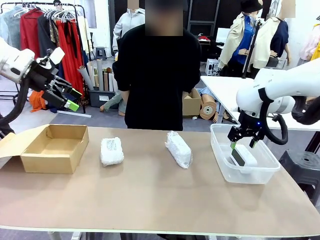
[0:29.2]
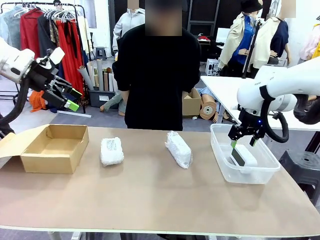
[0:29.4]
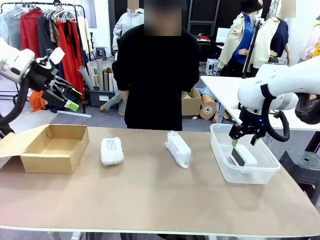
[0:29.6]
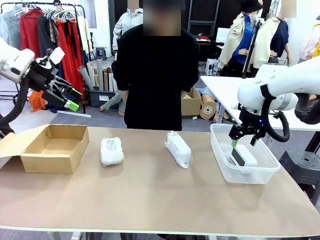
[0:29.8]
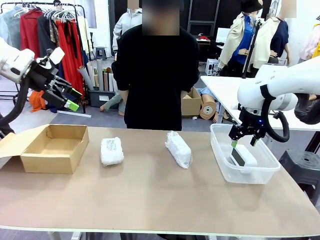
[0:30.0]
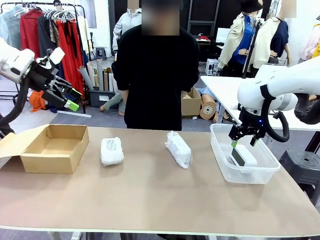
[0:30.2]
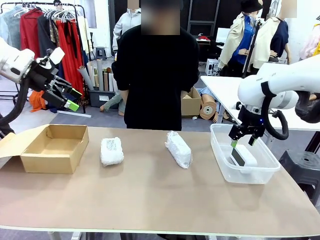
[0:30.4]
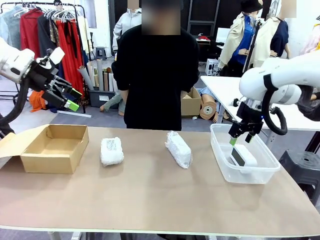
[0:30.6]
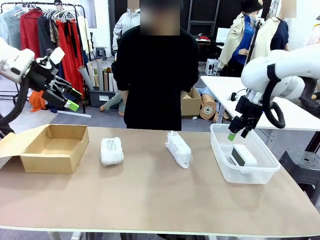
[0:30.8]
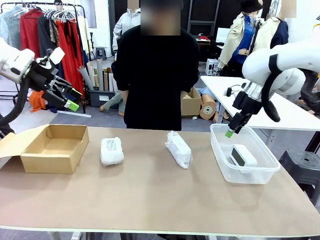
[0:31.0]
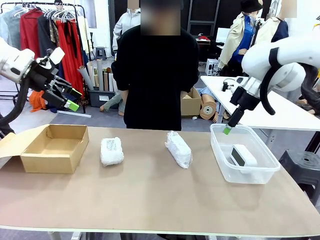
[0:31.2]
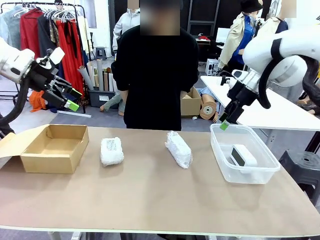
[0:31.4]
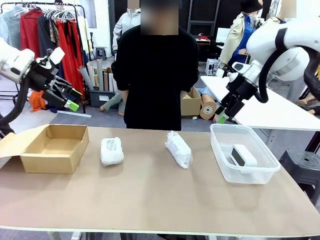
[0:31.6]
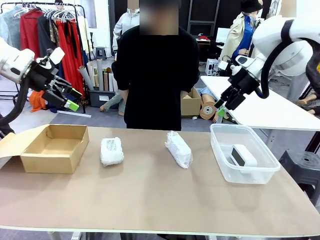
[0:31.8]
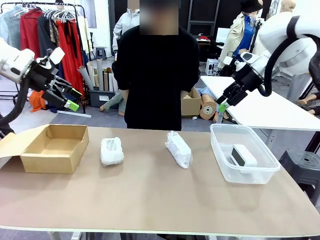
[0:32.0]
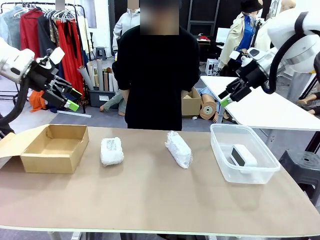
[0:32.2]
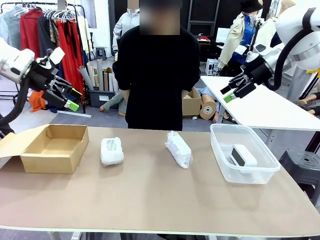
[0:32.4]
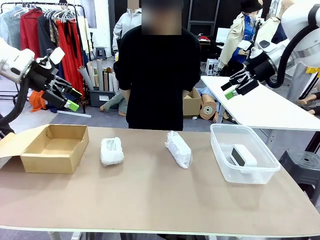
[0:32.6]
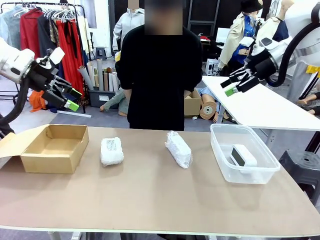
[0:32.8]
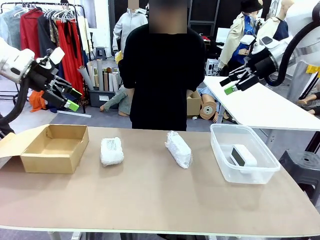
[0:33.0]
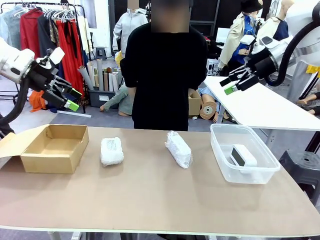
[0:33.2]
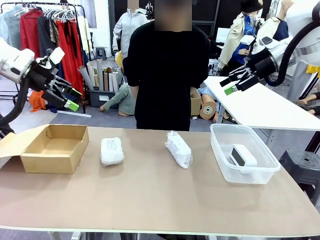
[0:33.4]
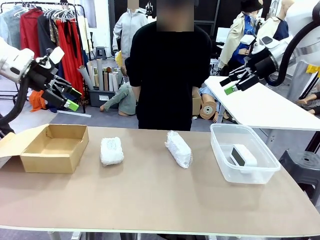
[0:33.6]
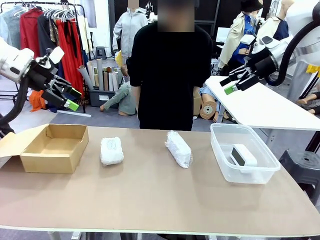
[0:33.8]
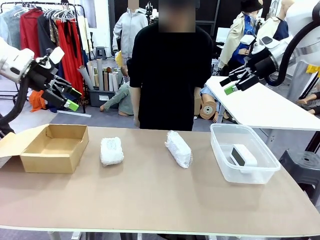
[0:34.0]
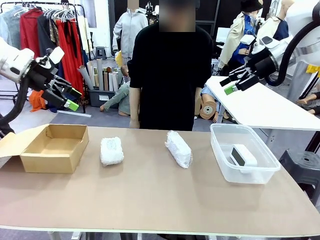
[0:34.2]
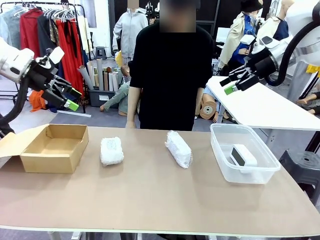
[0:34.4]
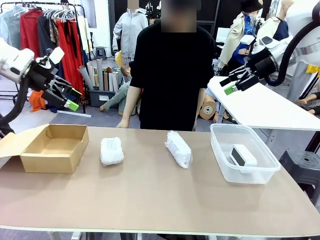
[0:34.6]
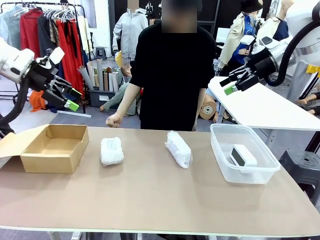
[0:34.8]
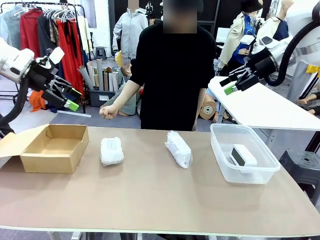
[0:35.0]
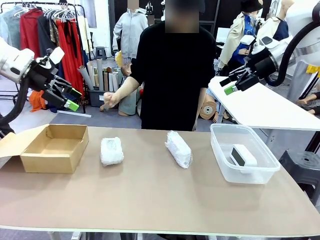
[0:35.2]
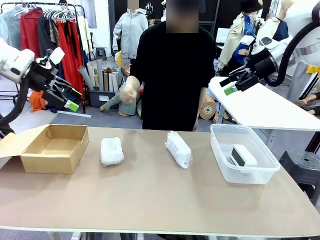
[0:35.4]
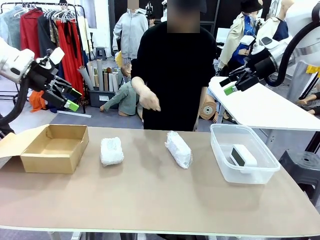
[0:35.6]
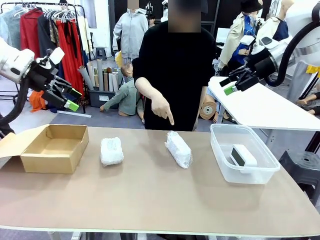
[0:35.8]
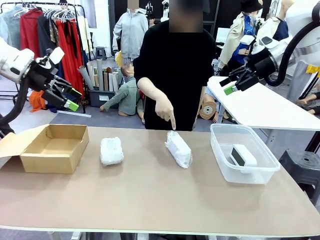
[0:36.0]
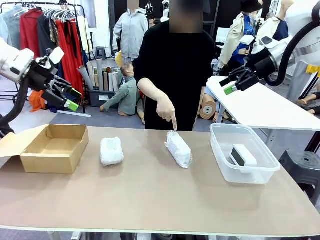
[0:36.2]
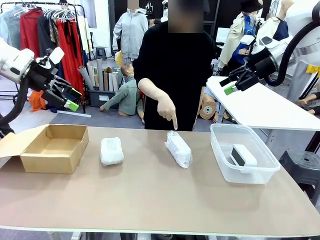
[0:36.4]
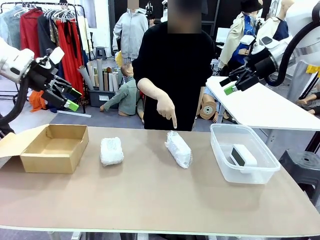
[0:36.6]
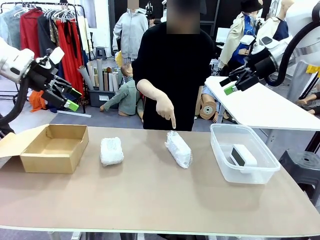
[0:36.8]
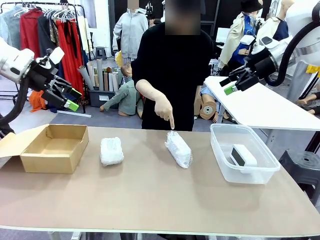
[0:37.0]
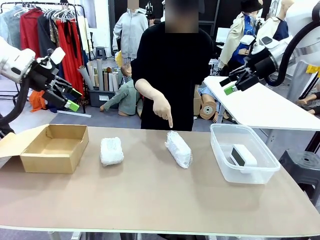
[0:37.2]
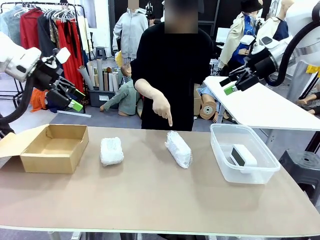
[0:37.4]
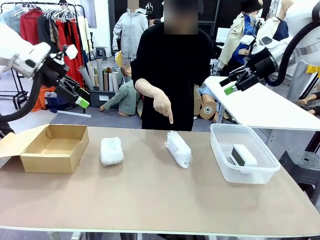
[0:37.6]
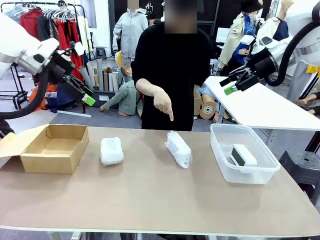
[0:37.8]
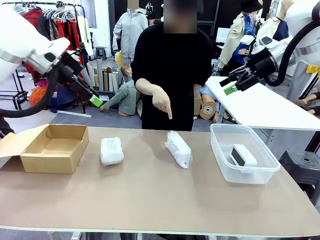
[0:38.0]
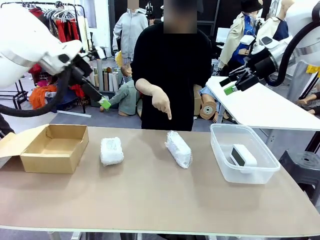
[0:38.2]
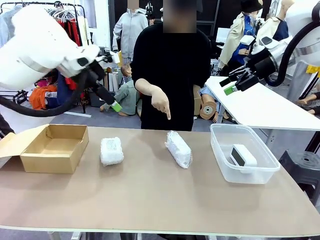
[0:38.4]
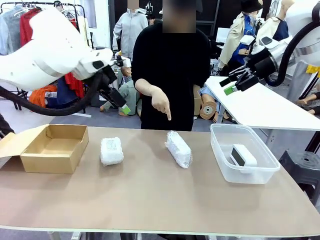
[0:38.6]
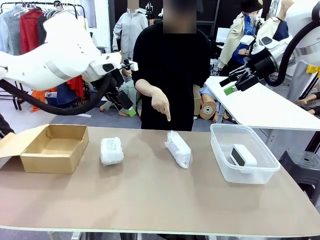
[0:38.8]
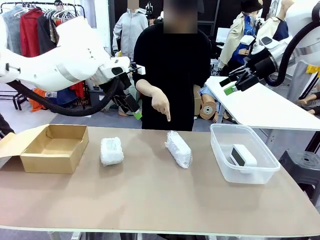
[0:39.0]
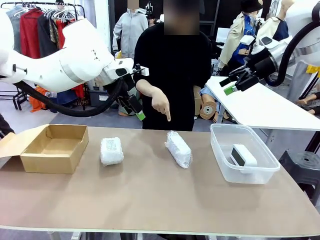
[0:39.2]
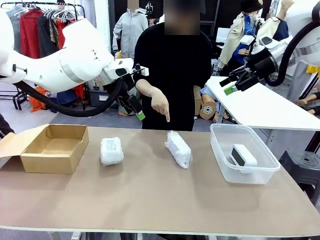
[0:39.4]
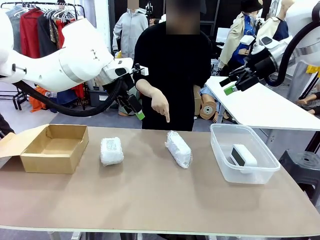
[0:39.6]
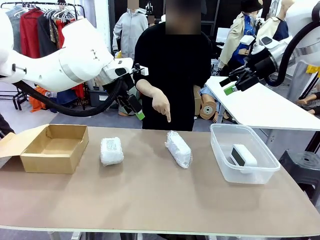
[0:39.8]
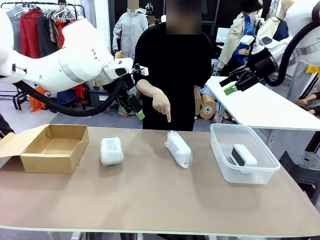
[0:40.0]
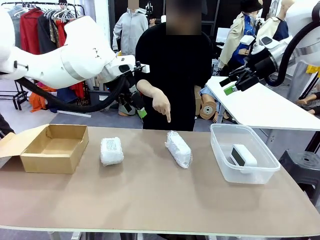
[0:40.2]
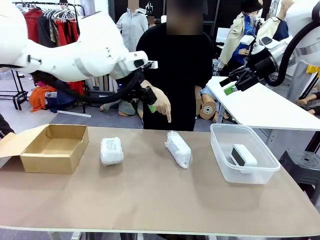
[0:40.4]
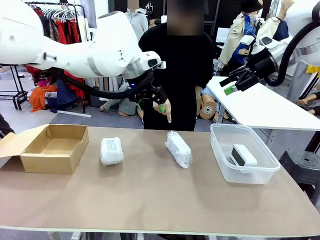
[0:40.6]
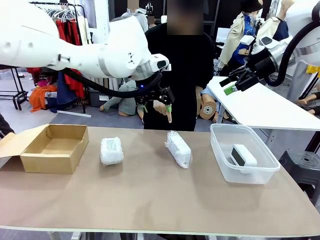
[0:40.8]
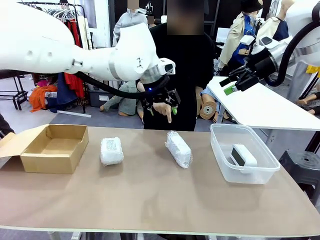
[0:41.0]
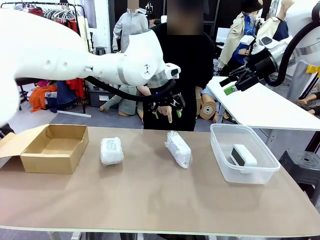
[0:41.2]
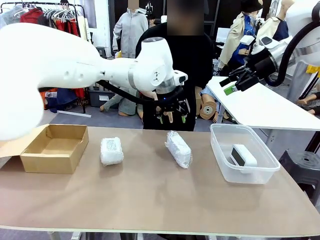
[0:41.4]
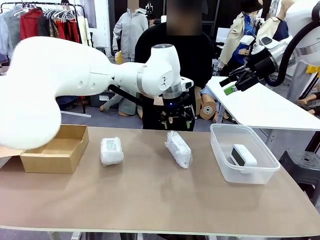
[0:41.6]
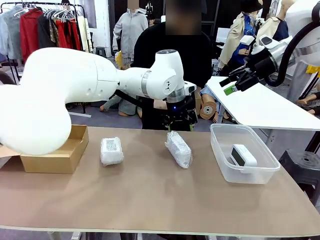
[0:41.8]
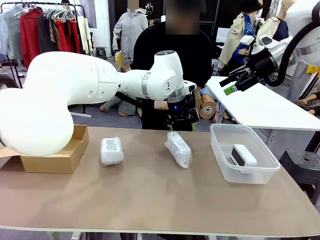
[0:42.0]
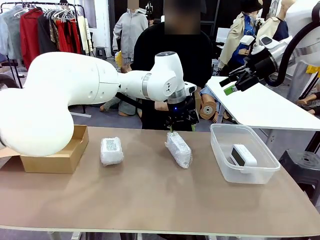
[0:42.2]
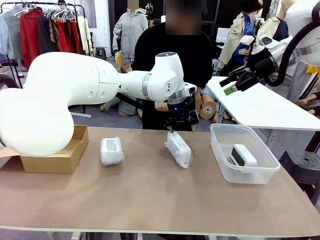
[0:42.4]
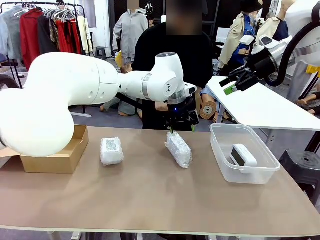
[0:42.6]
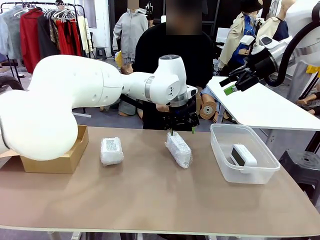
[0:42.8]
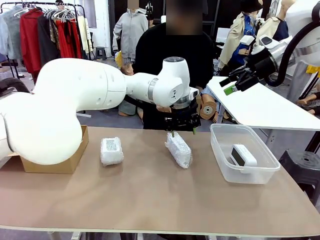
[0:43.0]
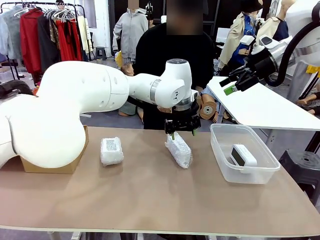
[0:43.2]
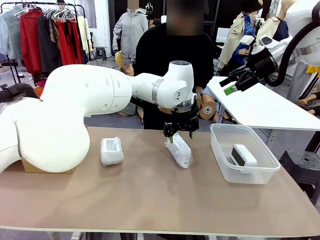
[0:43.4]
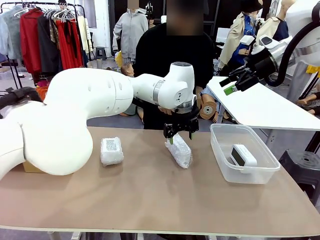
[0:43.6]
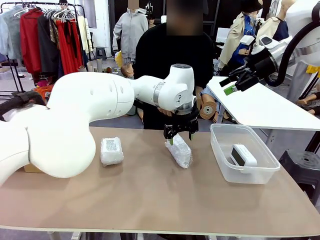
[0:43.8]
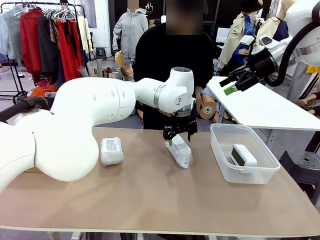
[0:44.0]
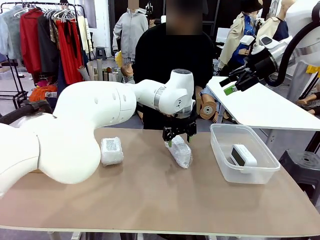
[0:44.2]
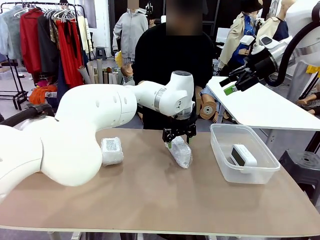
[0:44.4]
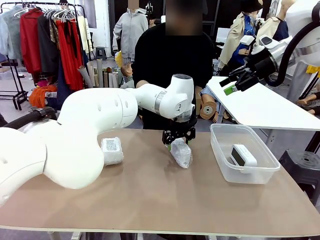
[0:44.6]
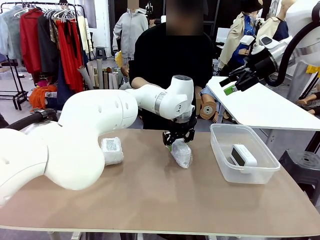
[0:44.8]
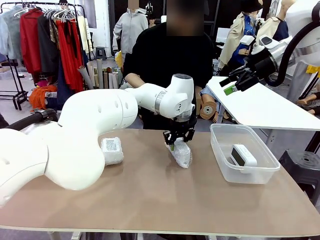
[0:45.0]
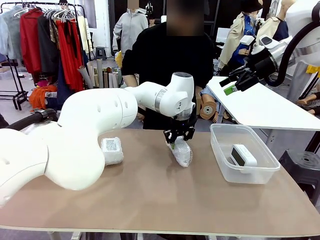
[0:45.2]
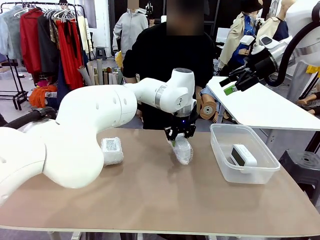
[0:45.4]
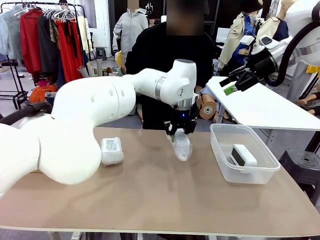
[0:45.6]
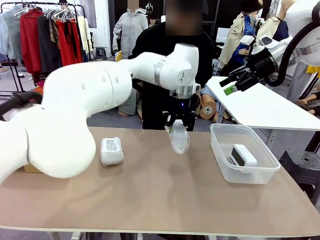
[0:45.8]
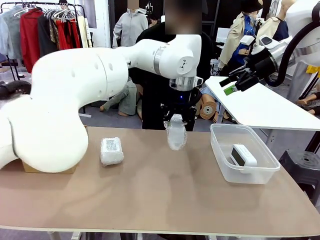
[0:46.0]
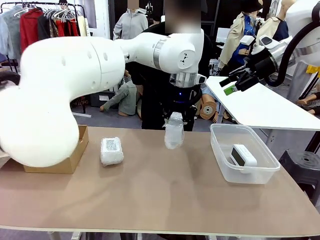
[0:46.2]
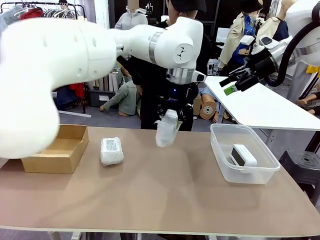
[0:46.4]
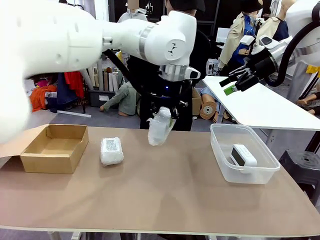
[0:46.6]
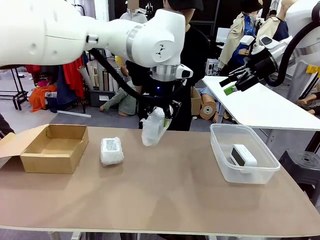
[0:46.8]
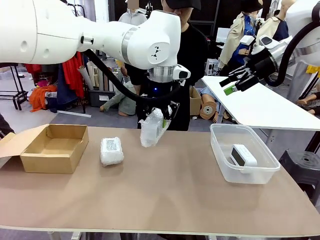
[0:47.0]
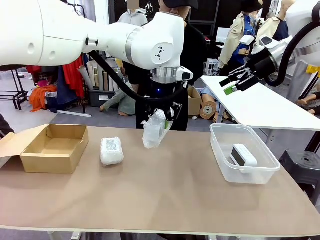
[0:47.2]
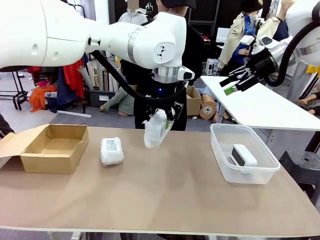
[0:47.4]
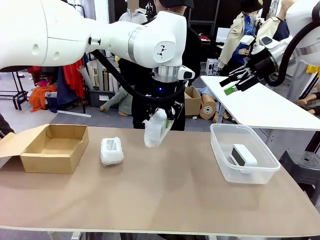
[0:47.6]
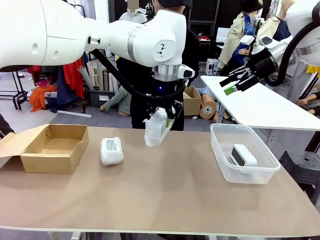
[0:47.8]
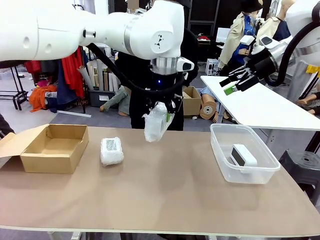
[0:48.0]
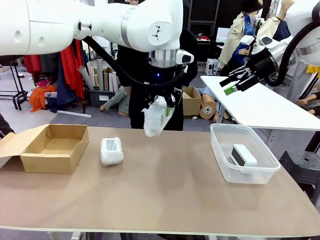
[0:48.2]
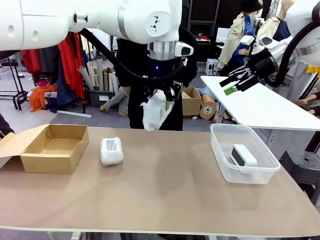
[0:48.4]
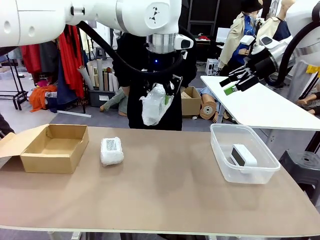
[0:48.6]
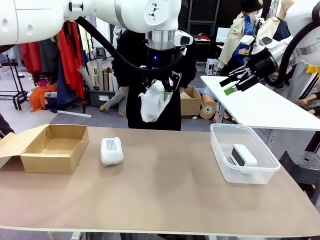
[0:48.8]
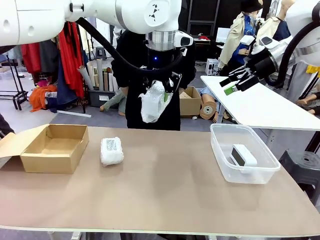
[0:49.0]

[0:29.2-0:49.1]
Task: Separate and place wrapped and unwrapped clocks.
Robot: Pick up the Digital clock indicated by the person.
